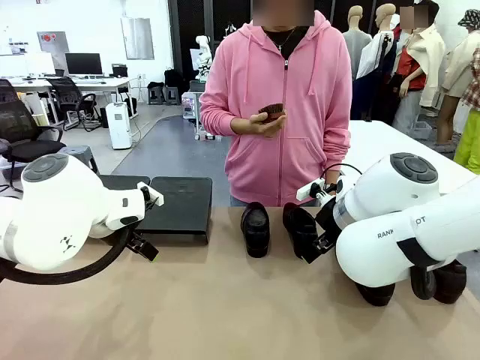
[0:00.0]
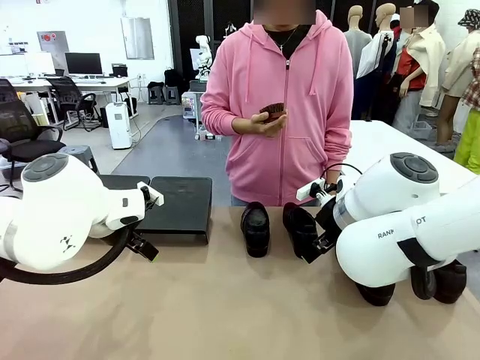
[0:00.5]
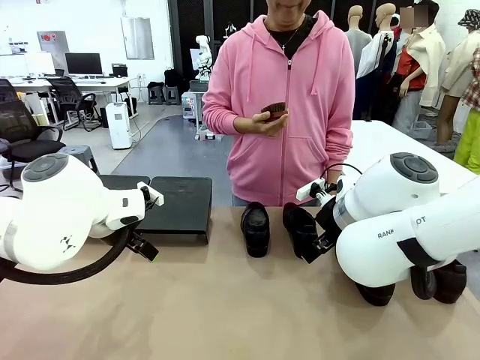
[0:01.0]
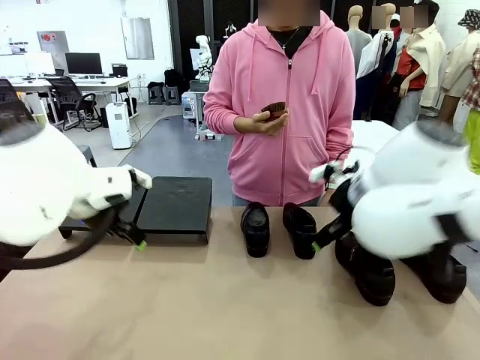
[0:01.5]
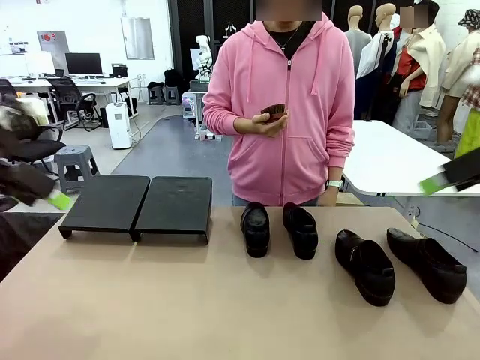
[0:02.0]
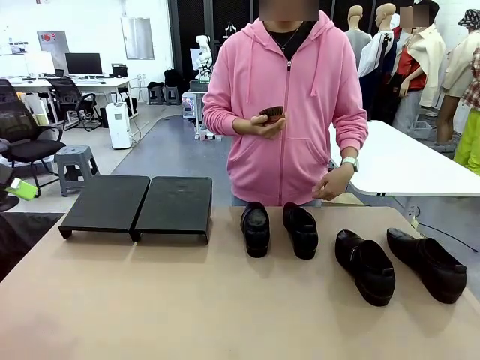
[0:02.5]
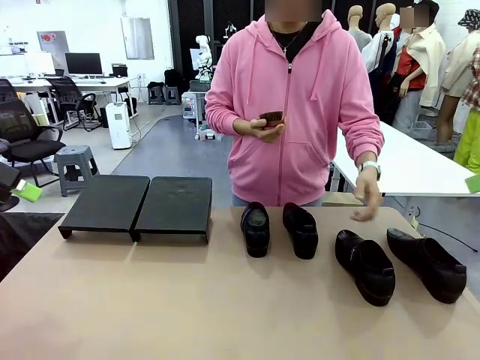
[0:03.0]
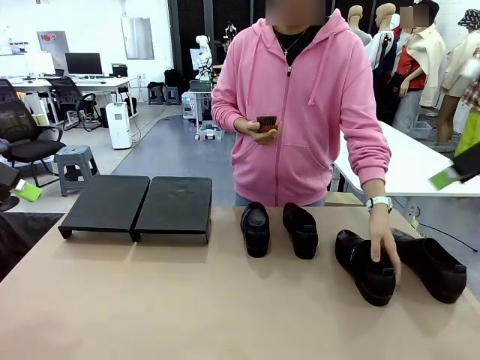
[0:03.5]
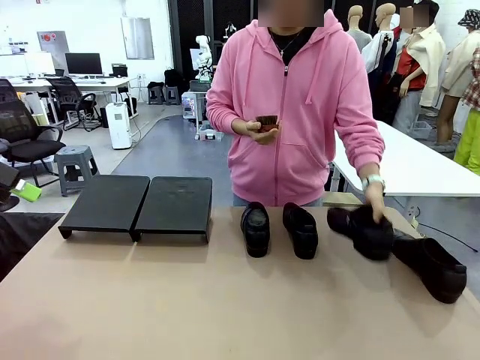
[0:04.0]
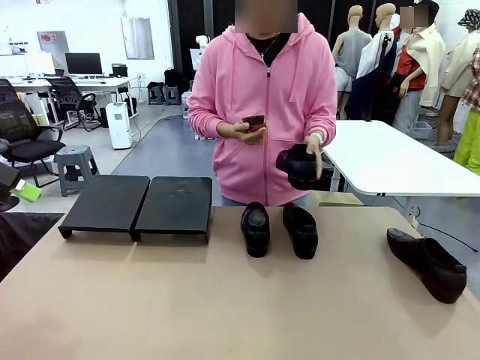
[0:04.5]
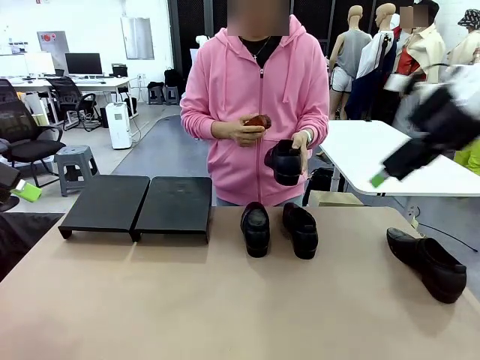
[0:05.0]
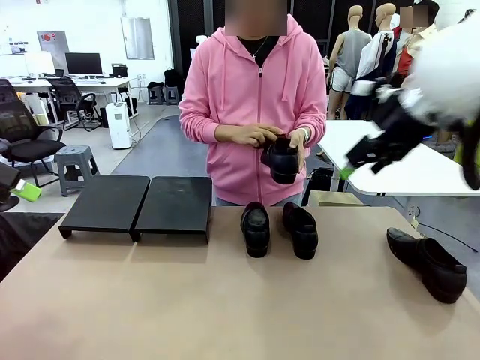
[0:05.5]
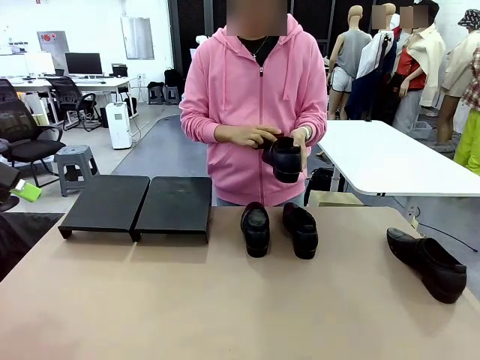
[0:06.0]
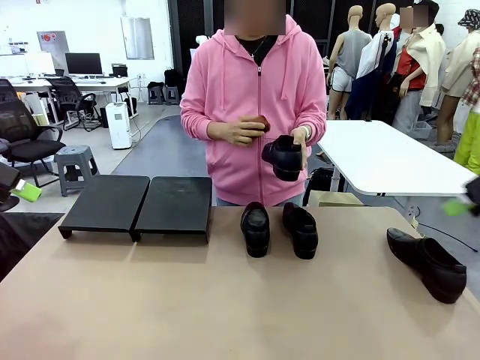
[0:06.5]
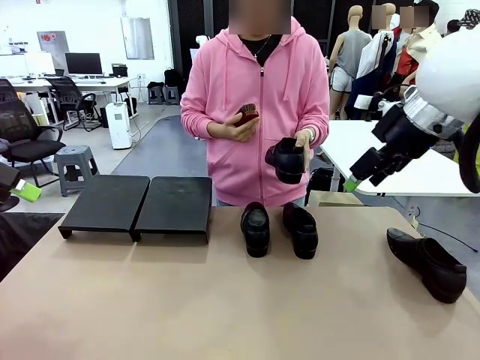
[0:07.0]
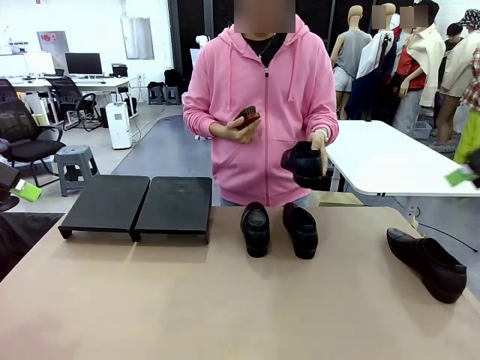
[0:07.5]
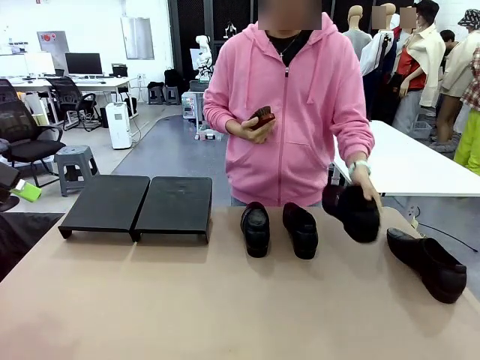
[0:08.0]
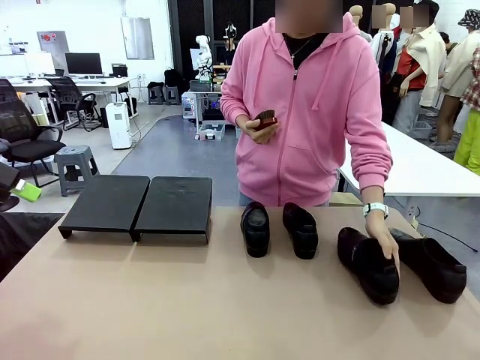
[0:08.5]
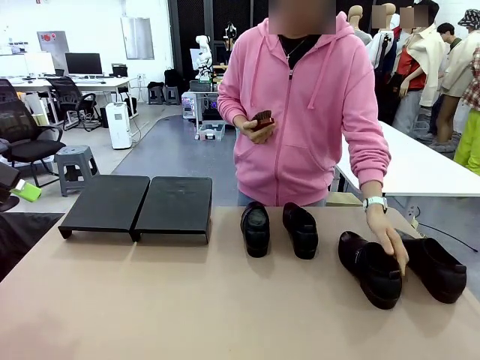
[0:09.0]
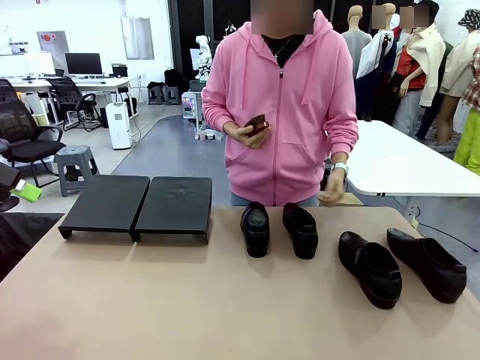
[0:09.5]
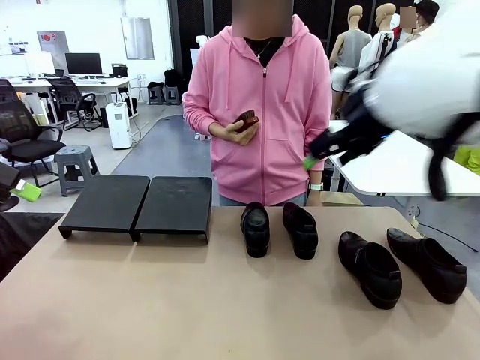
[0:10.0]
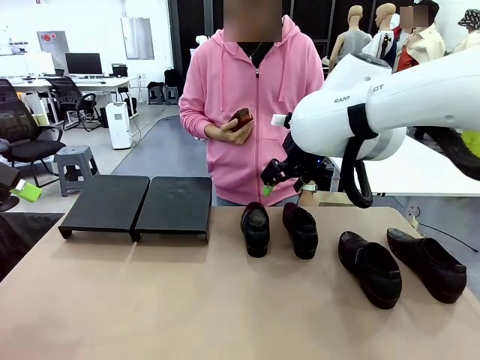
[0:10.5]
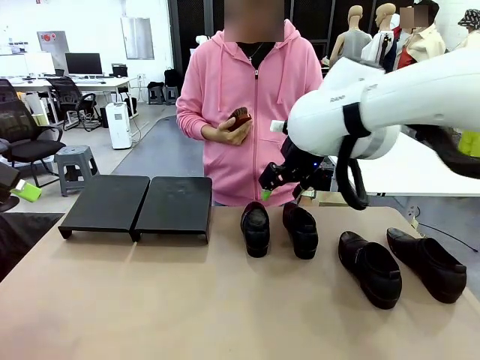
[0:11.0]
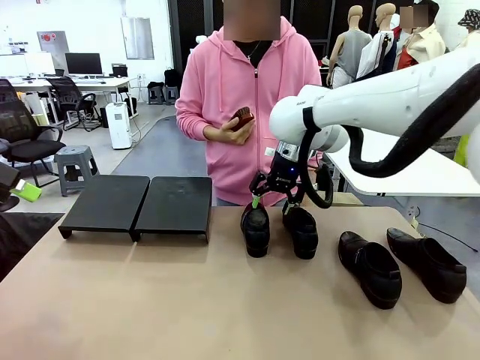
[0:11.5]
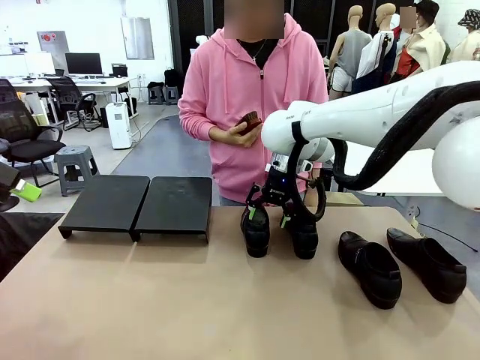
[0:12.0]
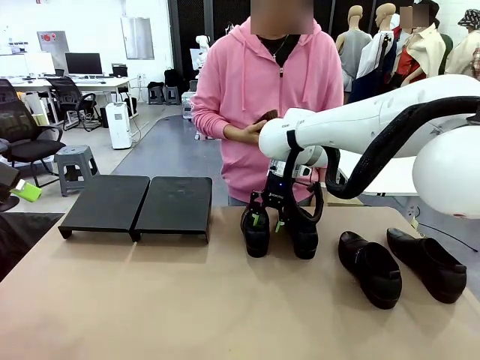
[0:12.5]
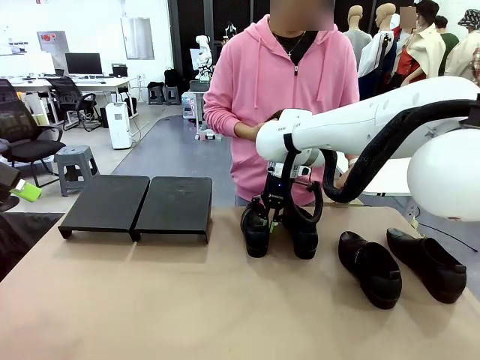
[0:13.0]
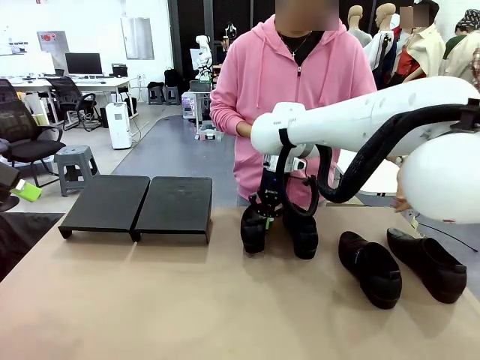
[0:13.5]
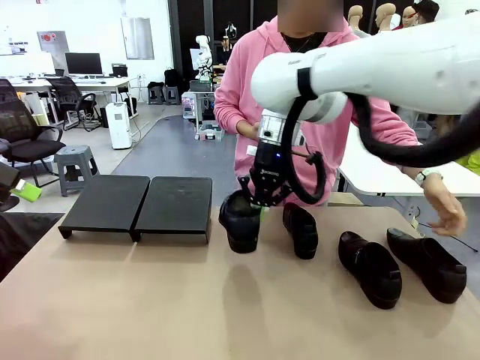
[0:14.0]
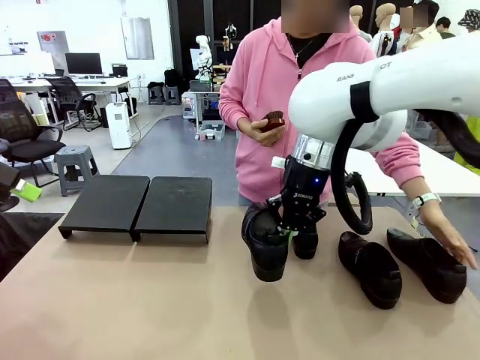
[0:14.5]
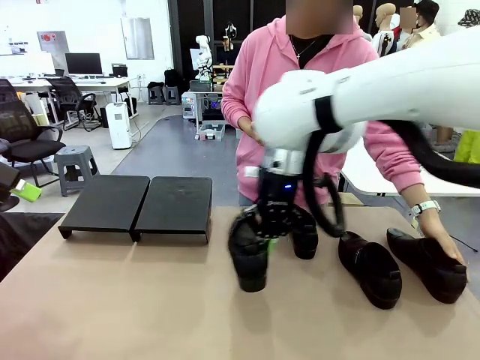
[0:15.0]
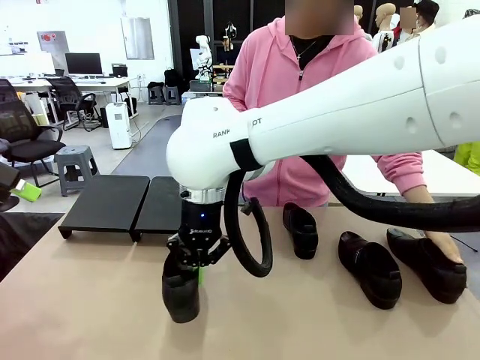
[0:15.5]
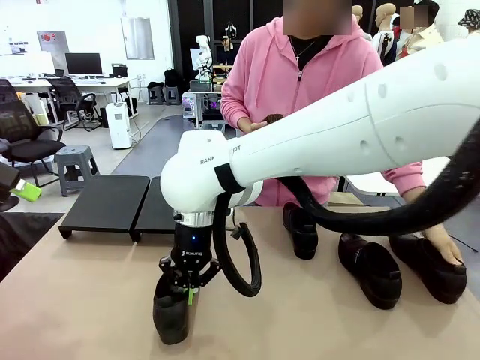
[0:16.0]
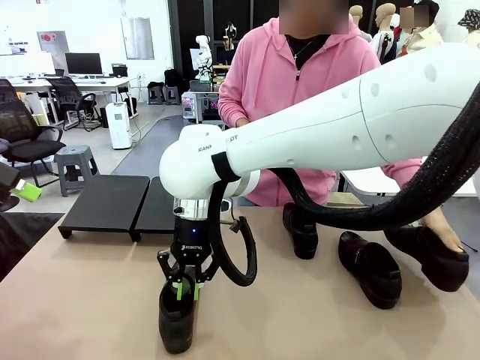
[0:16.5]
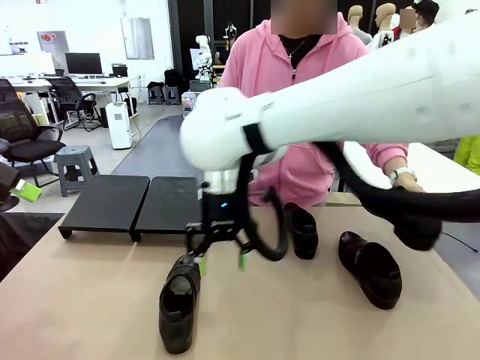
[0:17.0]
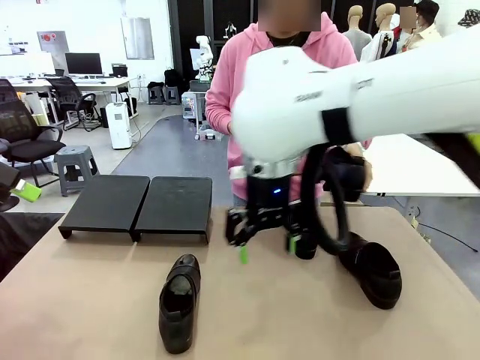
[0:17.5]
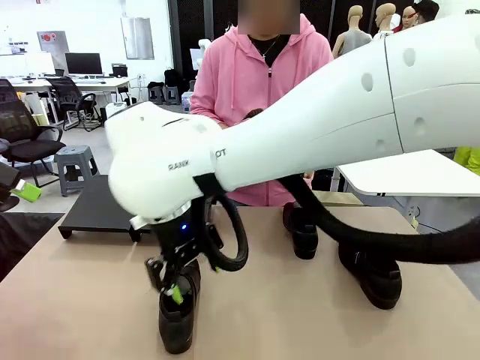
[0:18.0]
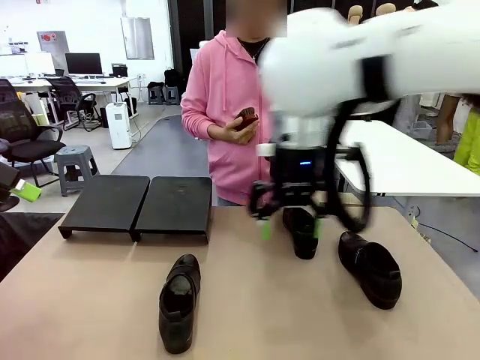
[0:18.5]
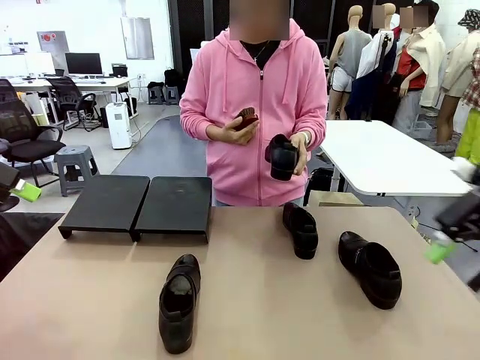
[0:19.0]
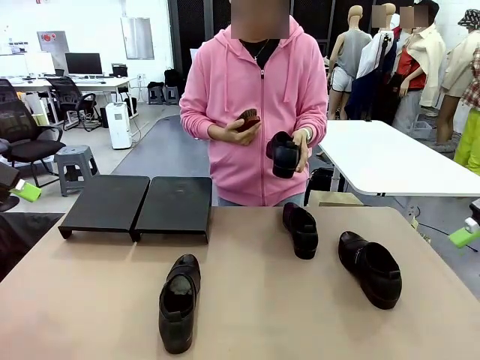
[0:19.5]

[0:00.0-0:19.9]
Task: Organize the shoes by placing them on the stand.
Robot: Pick up one Shoe and place it in the middle of the table.
Person: Pick one Shoe on Robot's table. Clean the Shoe with the Shoe Brush. Place the Shoe on left side of the Robot's table. Pick one Shoe on Robot's table.

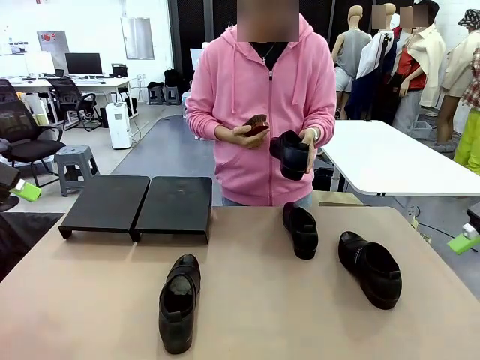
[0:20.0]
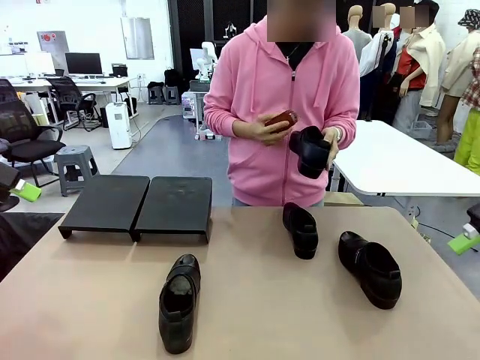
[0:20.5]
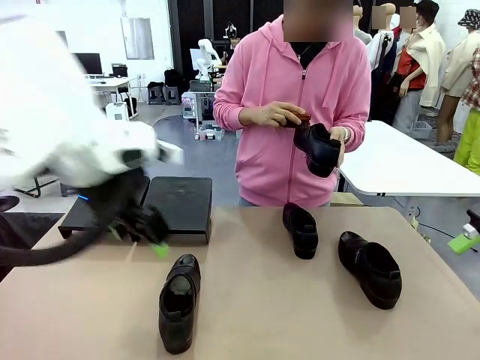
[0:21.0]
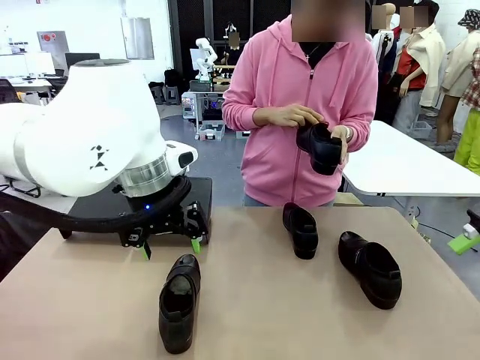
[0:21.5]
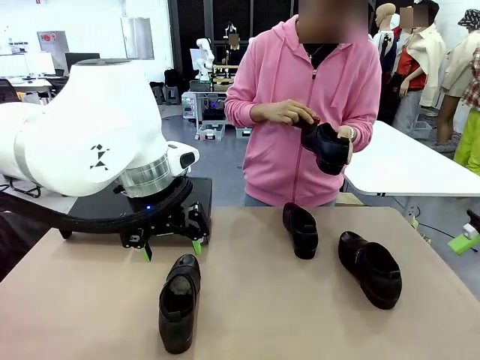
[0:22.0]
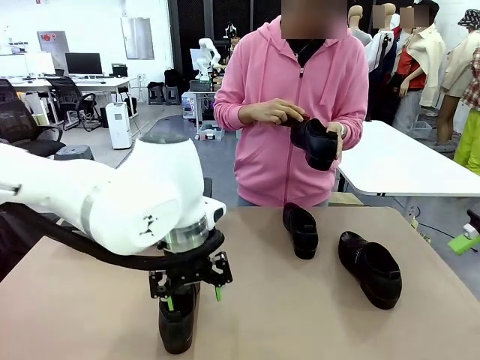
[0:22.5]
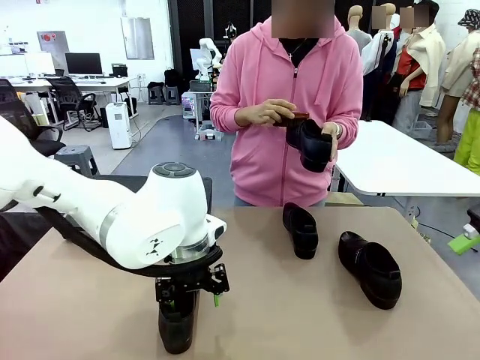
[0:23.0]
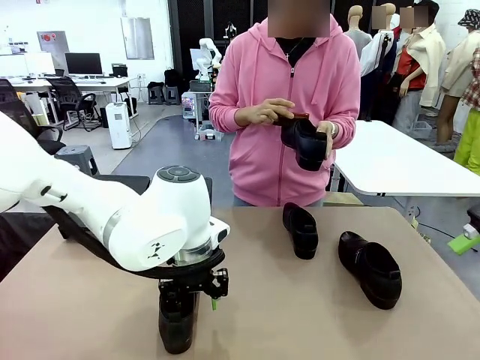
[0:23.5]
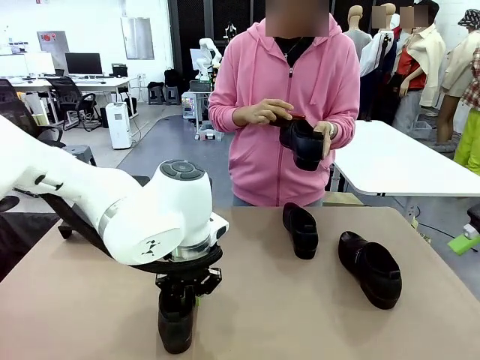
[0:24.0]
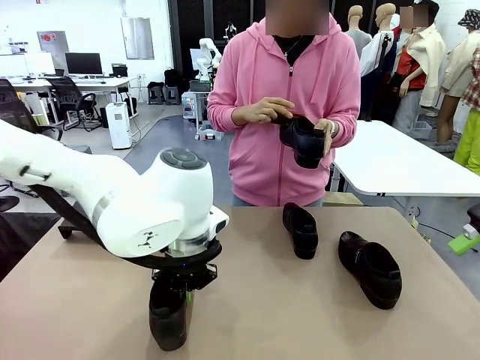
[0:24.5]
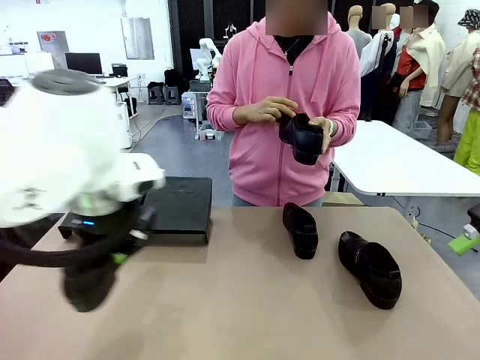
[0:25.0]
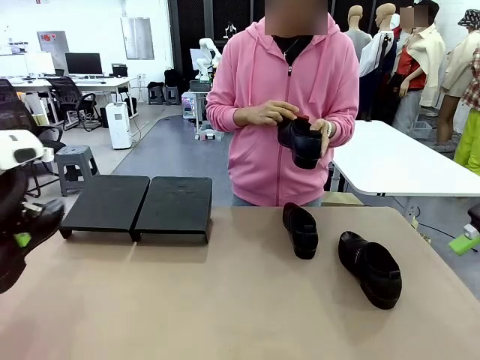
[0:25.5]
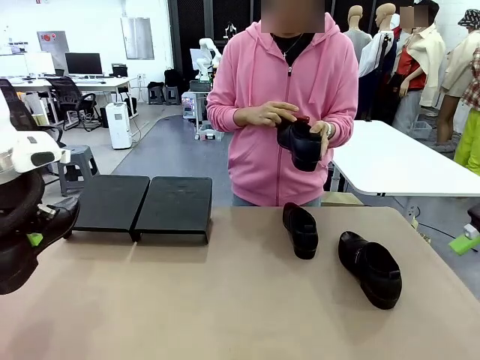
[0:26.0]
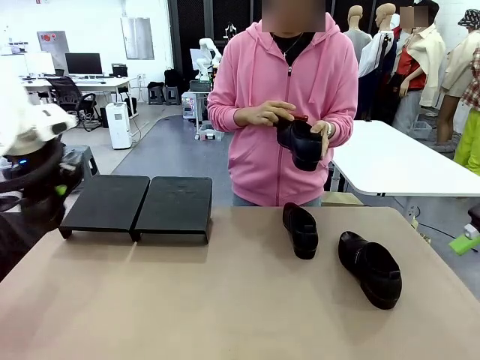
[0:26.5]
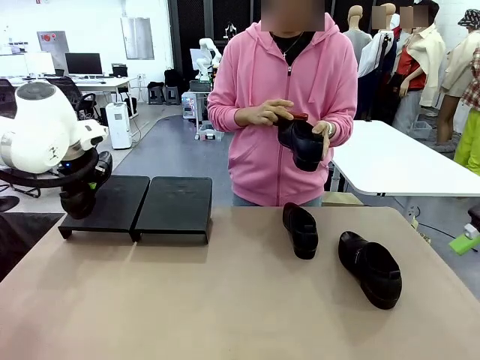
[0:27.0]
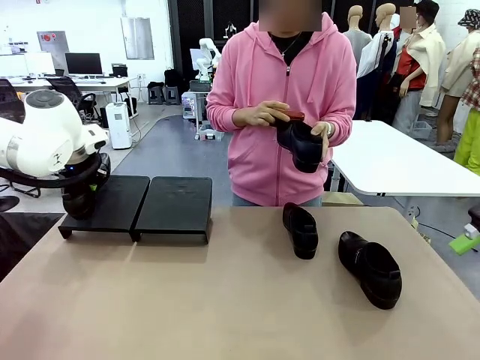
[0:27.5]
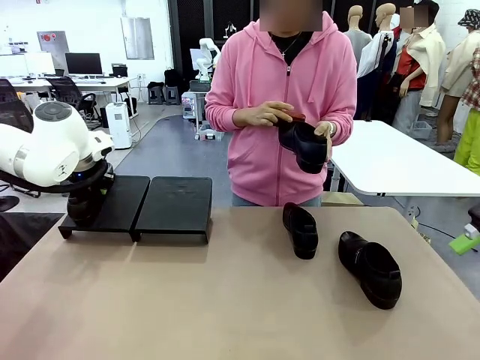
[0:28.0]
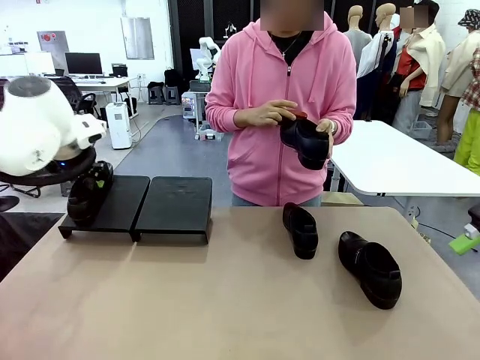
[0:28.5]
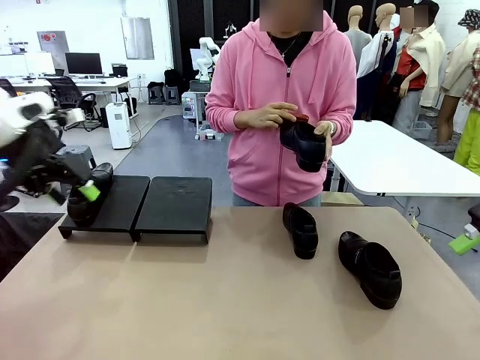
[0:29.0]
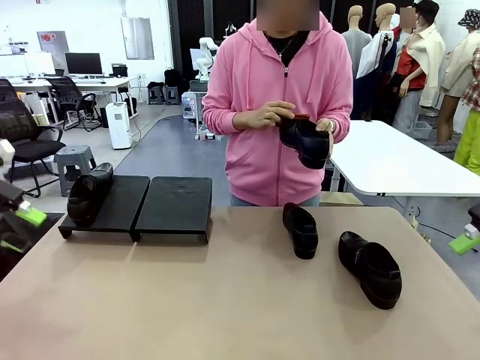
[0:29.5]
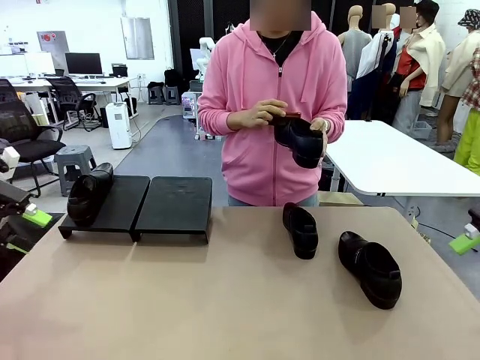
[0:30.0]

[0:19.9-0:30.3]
Robot: Place the Shoe from the middle of the table onto the Shoes Stand.
Person: Clean the Shoe with the Shoe Brush.
